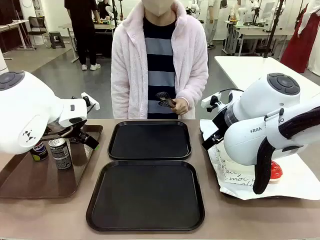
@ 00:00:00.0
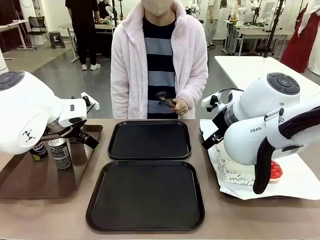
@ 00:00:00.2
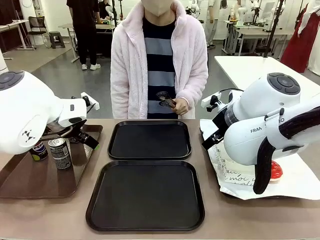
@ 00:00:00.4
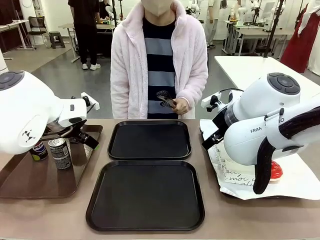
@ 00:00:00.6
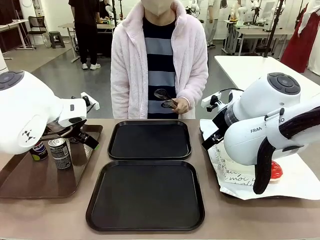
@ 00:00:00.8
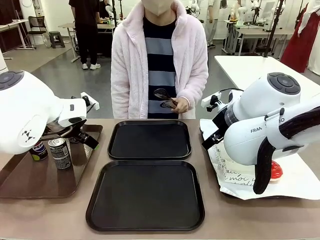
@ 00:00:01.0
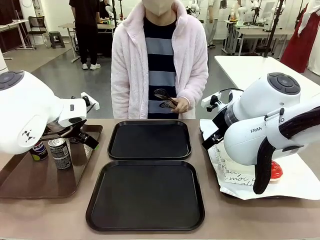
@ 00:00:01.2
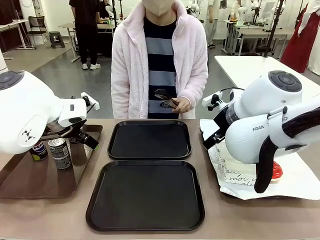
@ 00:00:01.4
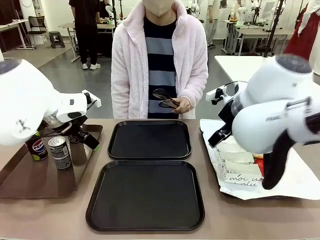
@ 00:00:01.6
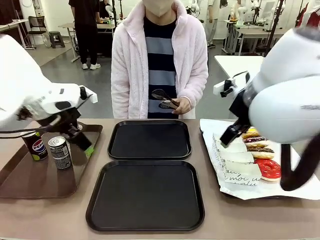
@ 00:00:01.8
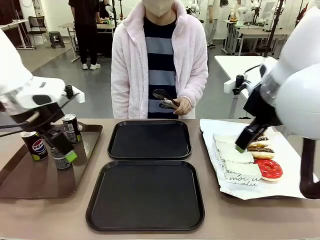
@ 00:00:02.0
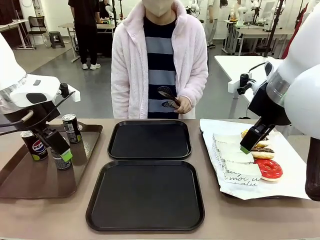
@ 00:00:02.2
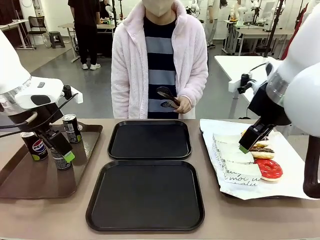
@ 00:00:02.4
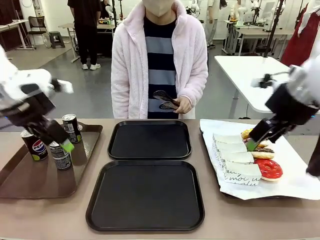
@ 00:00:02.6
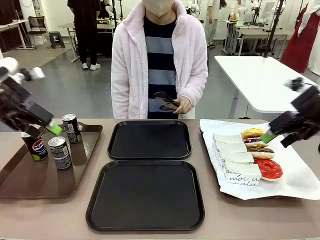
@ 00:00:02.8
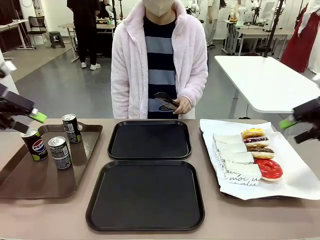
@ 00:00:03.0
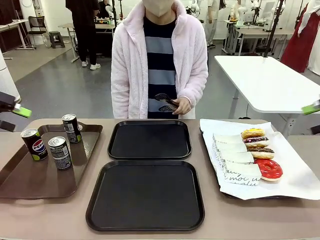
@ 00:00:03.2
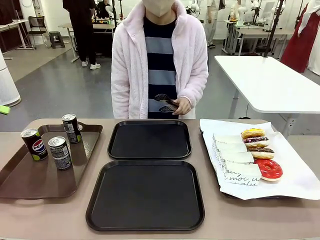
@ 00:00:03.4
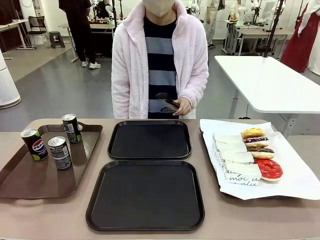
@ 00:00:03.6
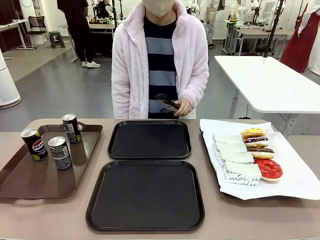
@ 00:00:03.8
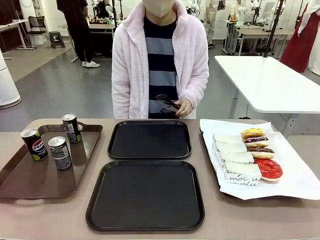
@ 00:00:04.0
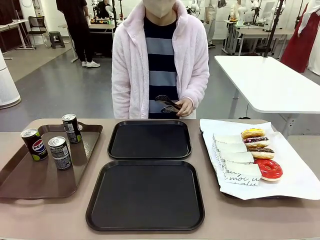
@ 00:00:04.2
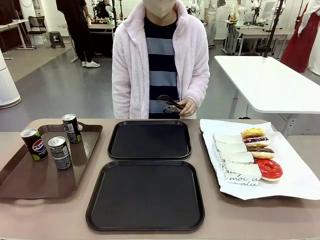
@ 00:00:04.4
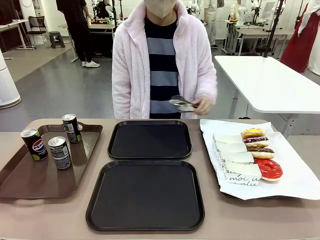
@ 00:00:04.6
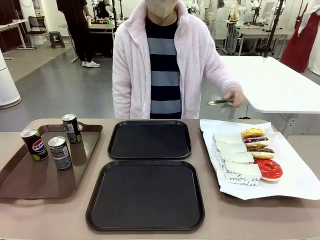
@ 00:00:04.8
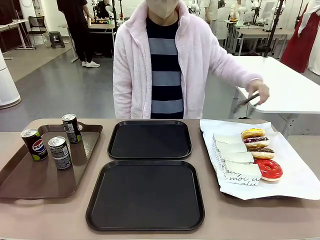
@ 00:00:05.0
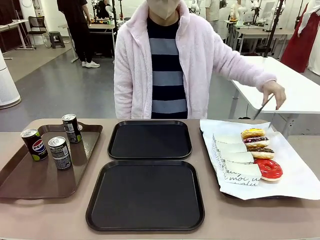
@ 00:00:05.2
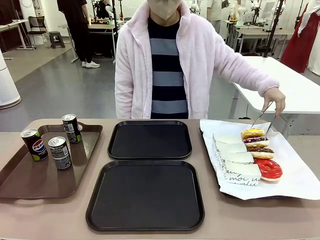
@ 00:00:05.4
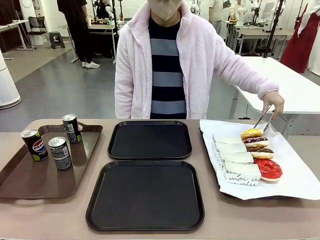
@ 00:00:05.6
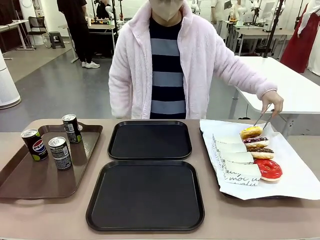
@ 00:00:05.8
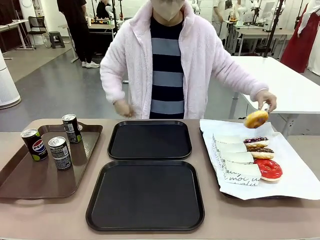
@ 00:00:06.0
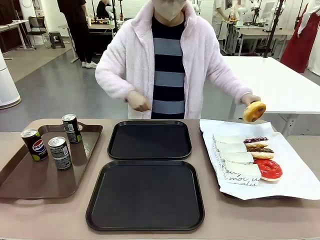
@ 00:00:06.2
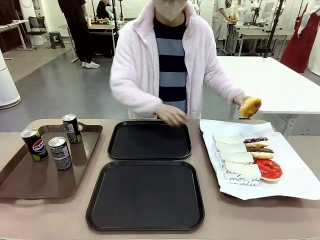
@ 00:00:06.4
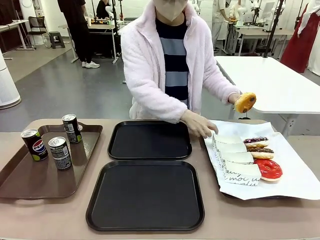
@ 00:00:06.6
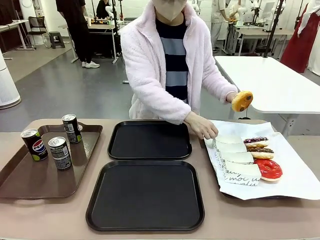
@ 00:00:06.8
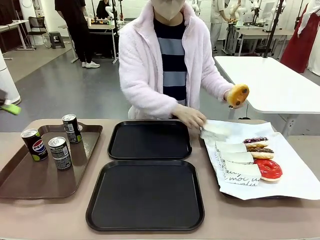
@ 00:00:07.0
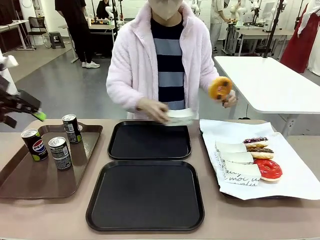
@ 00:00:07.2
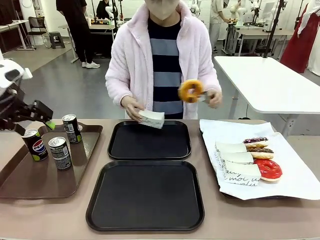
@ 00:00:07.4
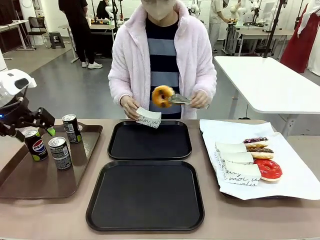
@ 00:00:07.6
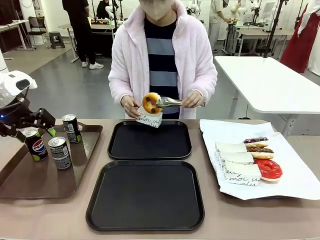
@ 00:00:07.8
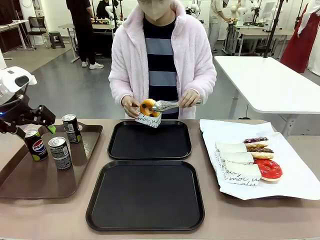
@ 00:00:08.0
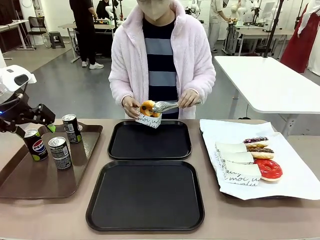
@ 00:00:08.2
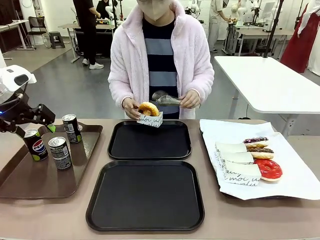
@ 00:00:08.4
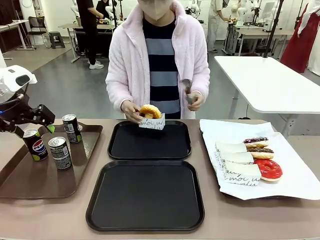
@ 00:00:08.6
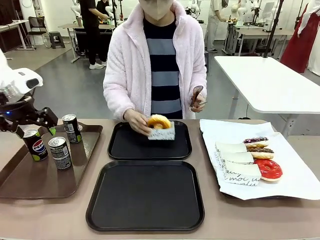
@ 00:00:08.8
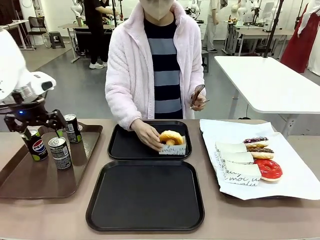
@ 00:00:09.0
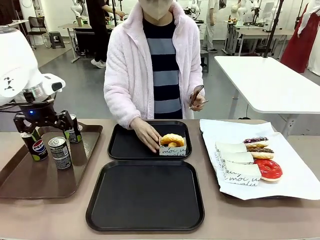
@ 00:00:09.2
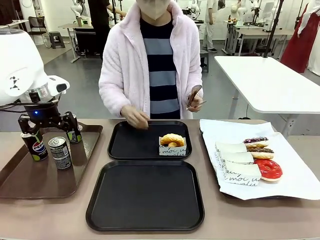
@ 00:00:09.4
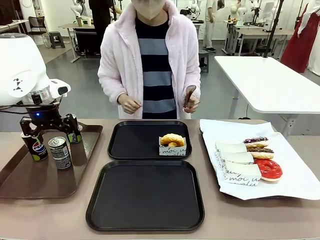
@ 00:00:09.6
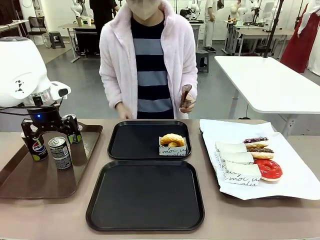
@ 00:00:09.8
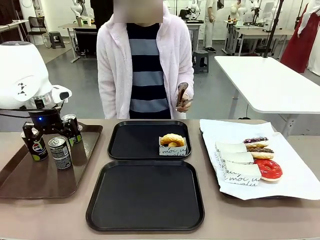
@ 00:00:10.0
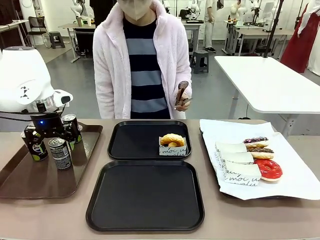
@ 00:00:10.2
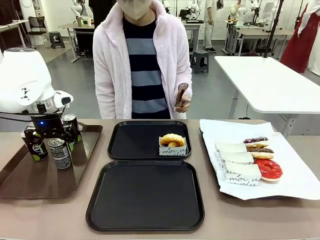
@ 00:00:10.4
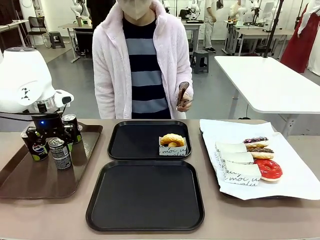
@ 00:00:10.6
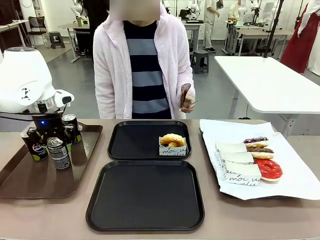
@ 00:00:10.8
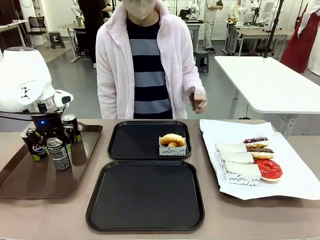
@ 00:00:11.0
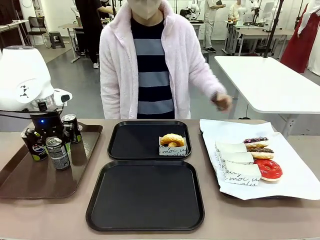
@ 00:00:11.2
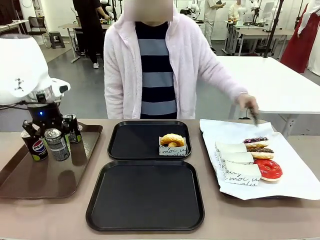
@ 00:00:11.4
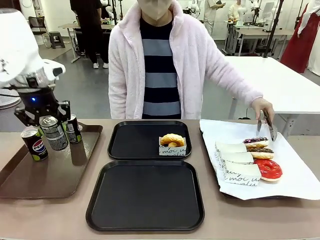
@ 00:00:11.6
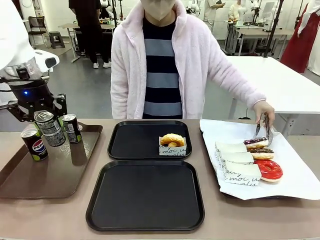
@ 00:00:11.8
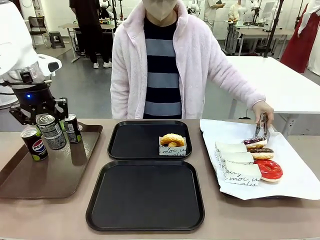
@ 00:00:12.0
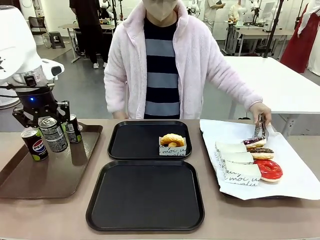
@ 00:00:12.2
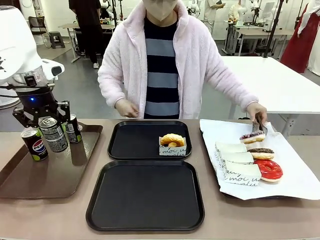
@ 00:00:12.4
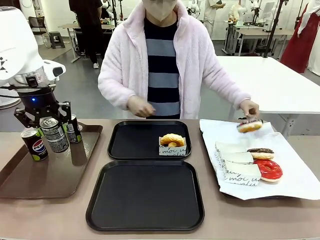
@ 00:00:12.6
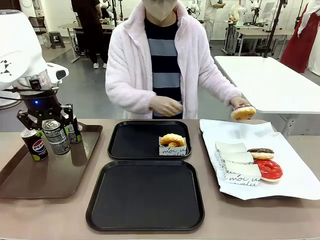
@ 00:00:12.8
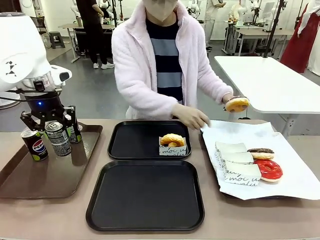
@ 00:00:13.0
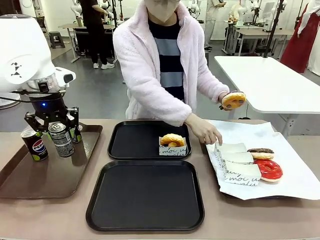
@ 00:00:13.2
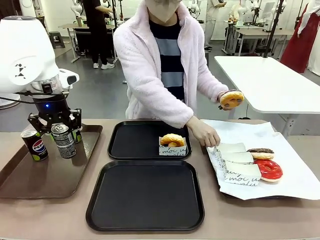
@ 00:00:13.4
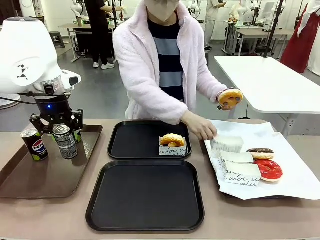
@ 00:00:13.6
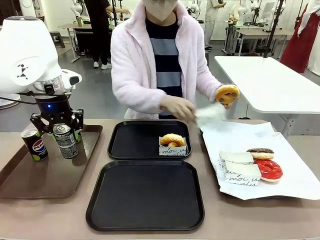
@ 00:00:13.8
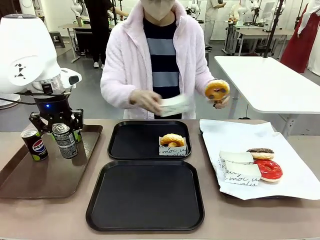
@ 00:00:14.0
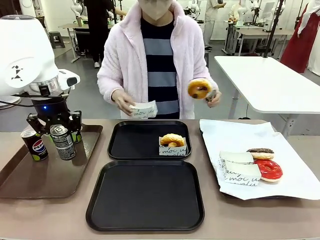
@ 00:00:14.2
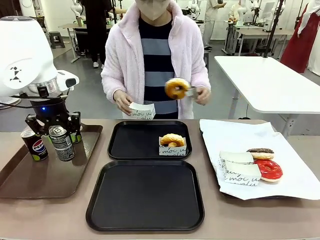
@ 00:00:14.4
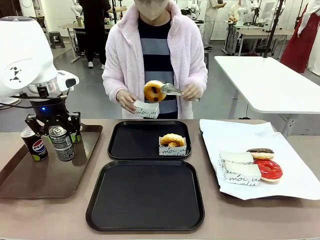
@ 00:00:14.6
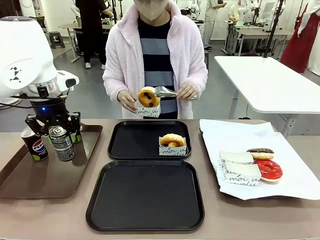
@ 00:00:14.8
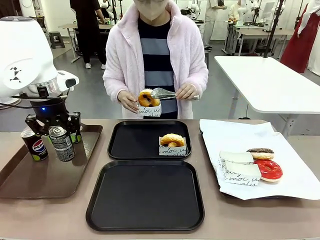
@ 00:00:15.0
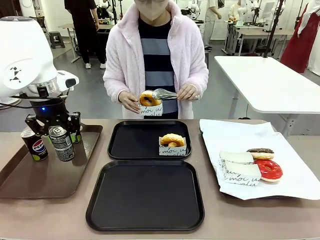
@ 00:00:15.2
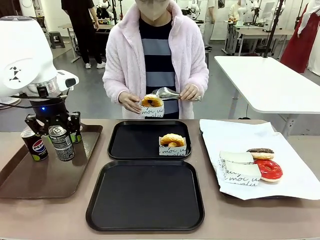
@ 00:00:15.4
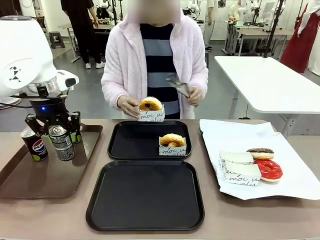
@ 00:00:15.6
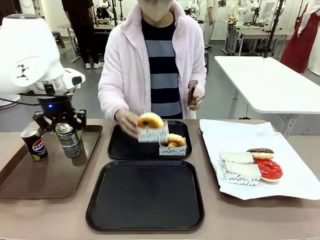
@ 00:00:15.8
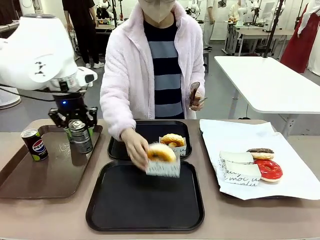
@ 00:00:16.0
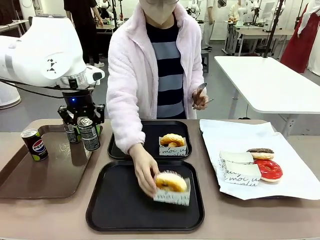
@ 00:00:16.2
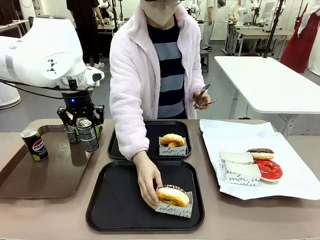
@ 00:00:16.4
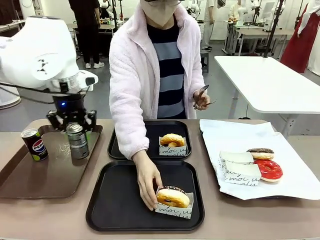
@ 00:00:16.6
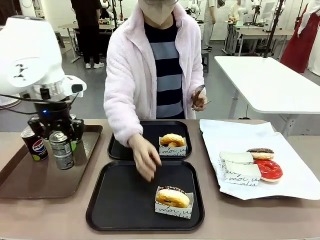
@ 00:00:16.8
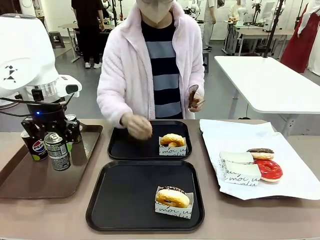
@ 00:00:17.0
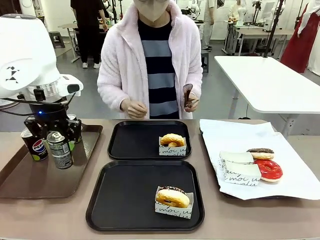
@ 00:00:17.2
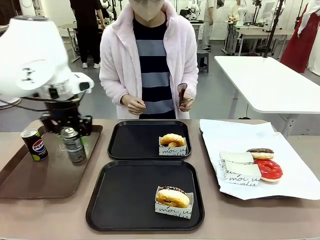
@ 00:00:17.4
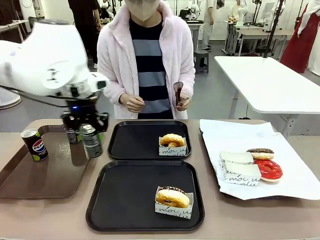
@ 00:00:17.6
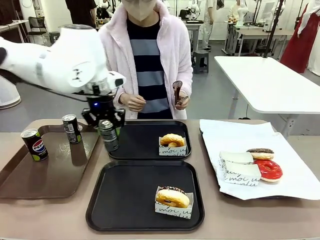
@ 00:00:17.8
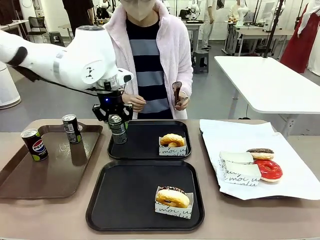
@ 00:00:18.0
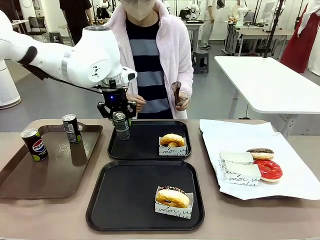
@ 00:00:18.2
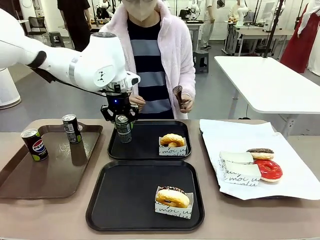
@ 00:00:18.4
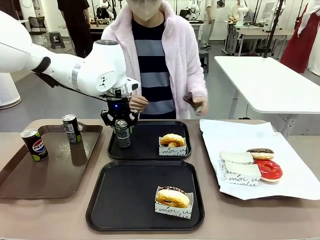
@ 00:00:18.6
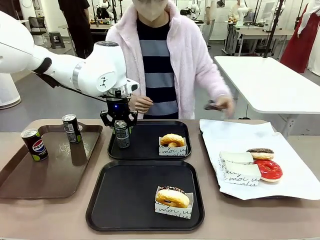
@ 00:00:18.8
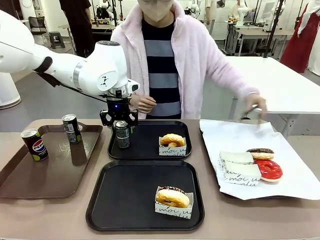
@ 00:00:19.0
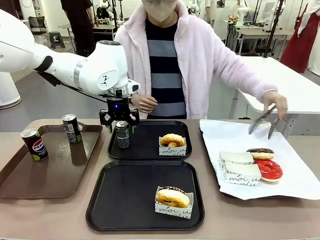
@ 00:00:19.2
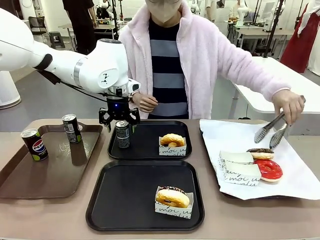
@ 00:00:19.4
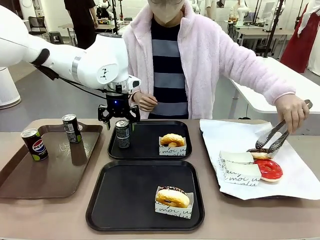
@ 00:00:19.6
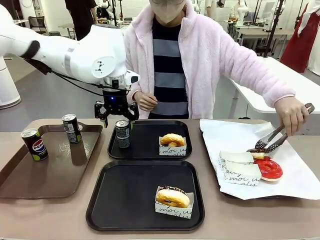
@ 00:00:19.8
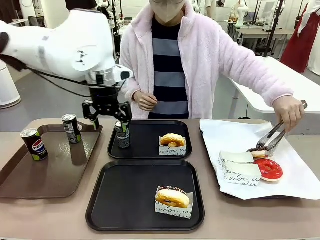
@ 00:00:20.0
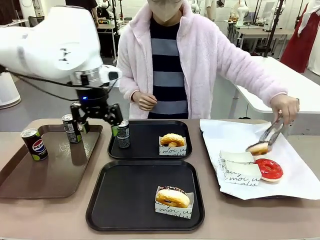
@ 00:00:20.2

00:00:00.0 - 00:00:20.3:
Task: Set up donuts and drinks on trays.
Robot: Pick up one Pepsi coke and place it on the Flat Tray.
Person: Pick up one donut with tongs, place it in the donut tray, and then place the donut tray on the flat tray.
